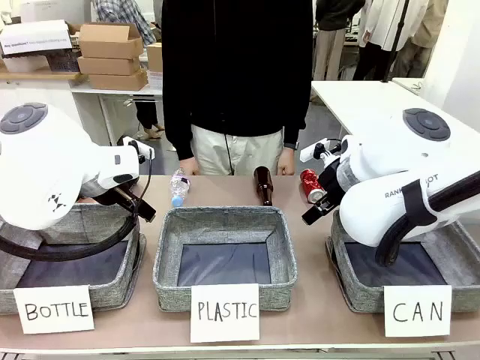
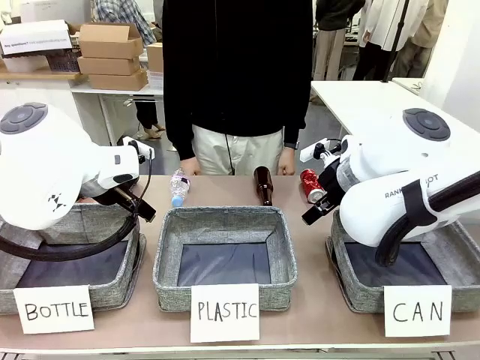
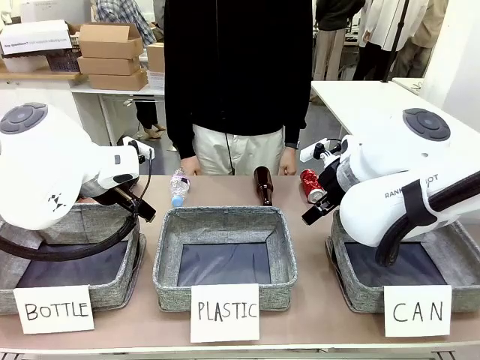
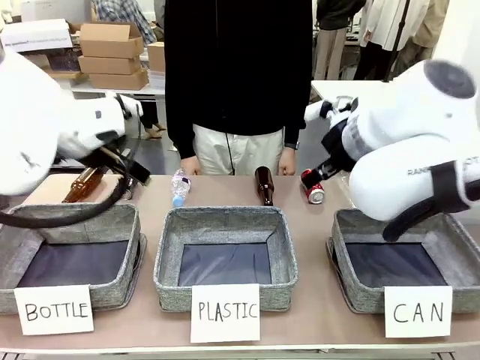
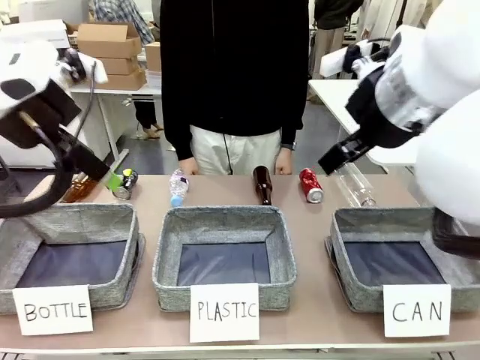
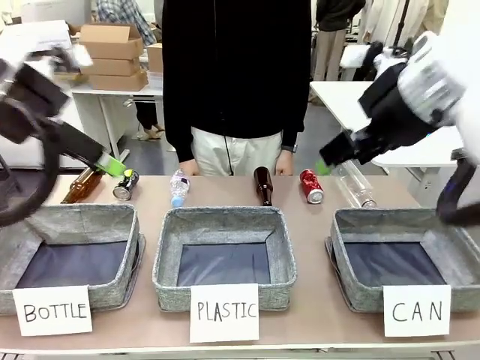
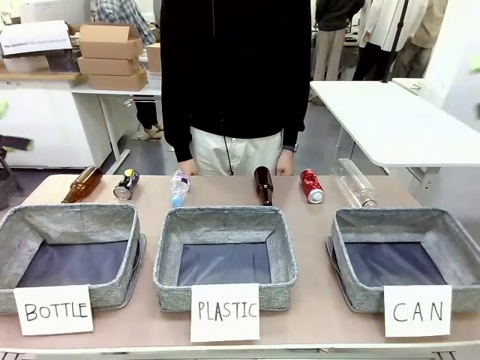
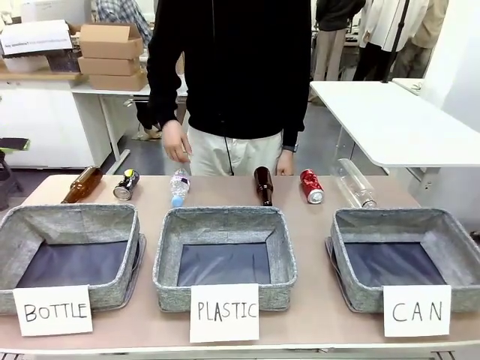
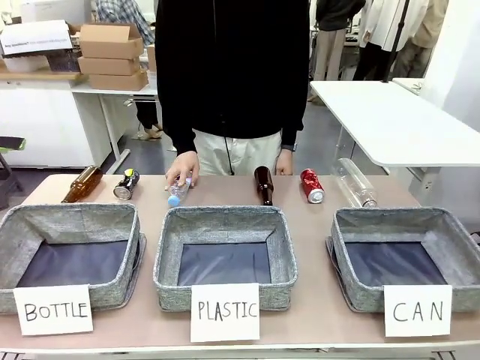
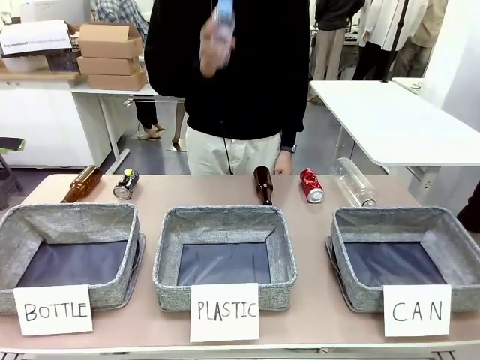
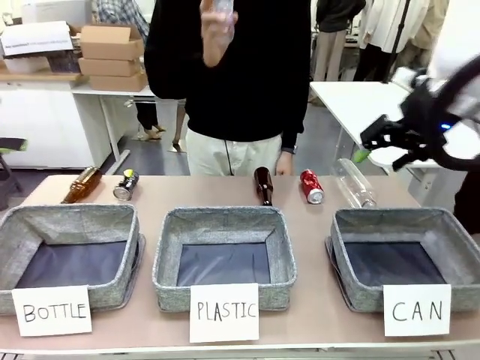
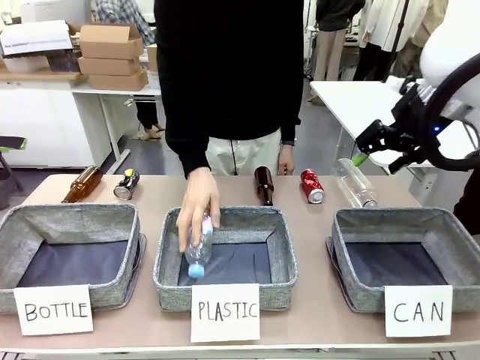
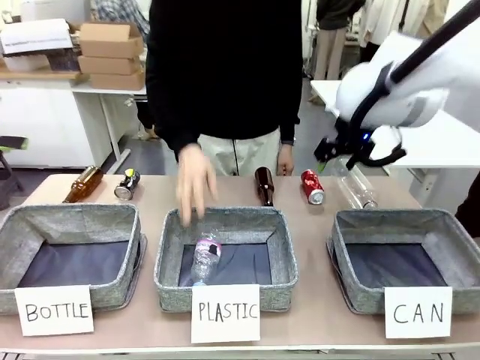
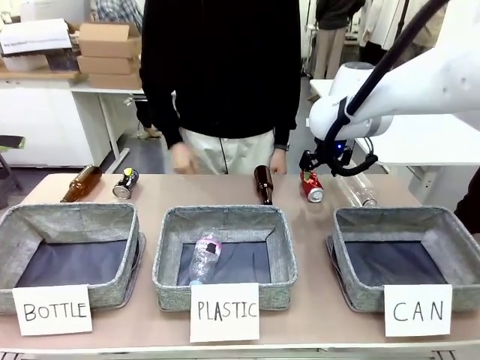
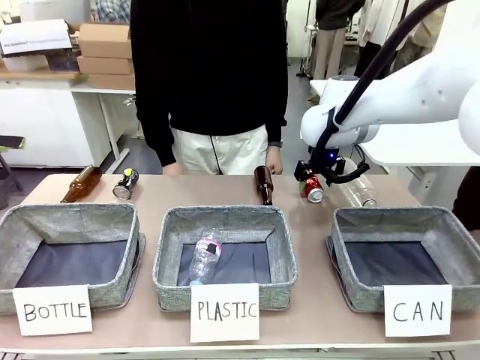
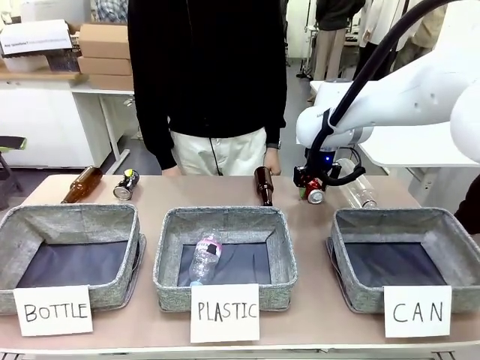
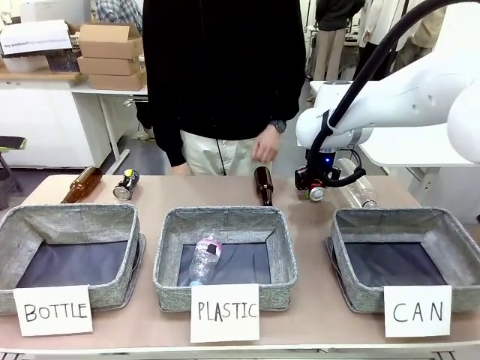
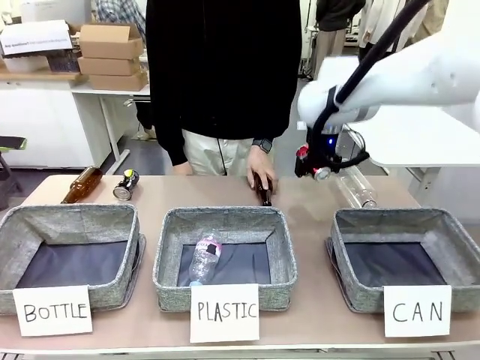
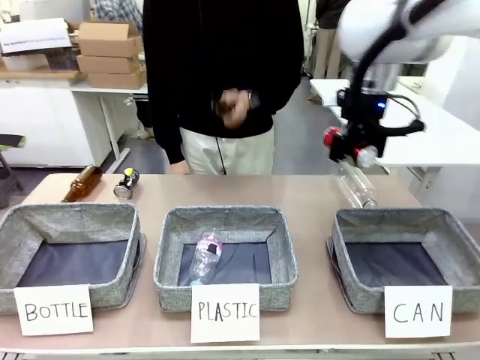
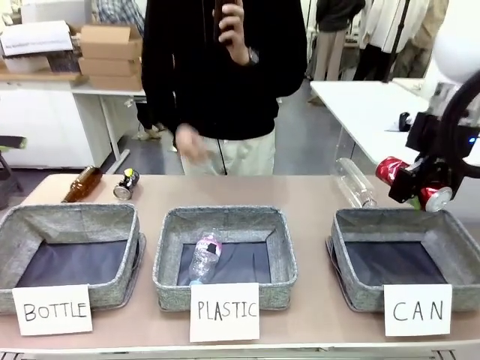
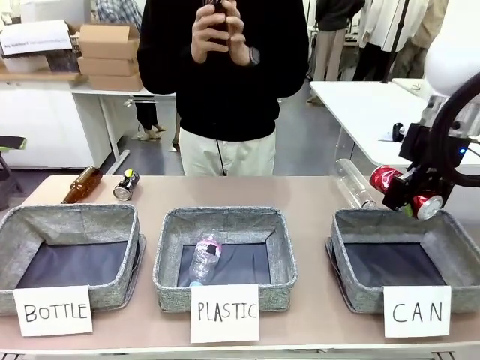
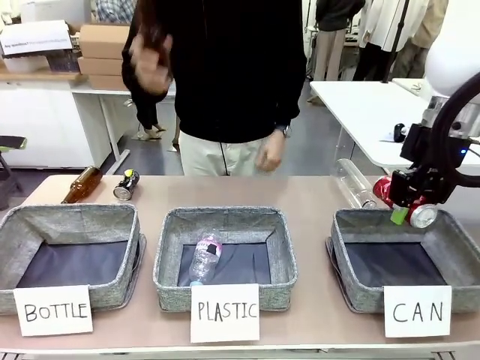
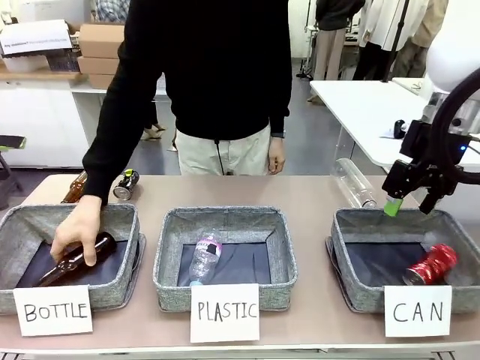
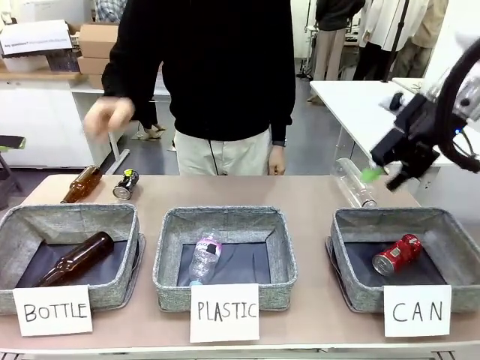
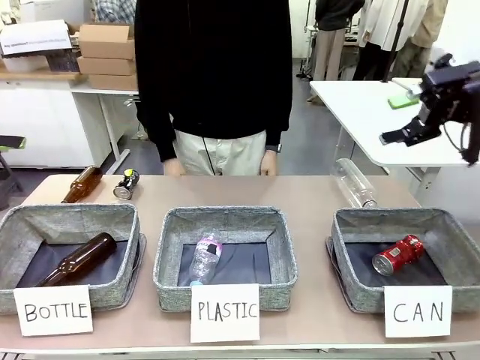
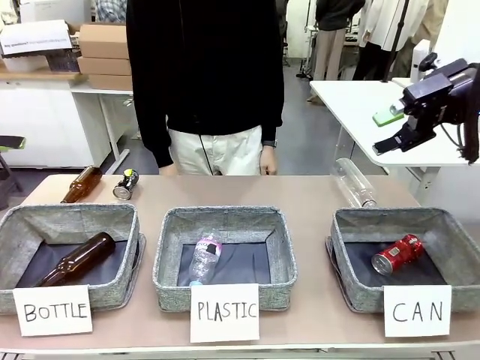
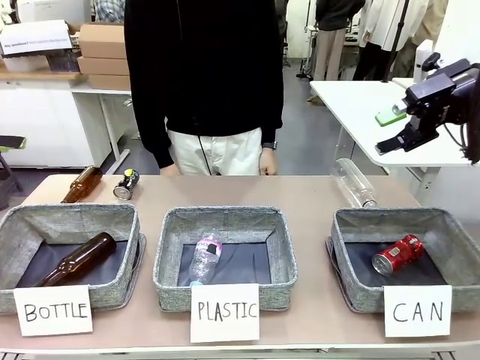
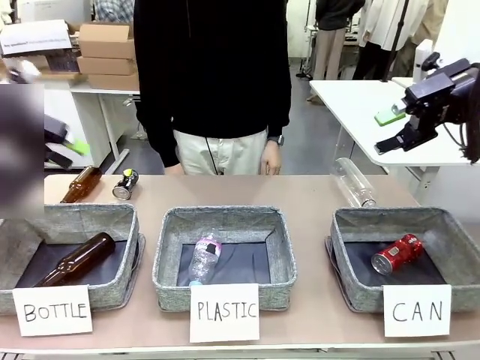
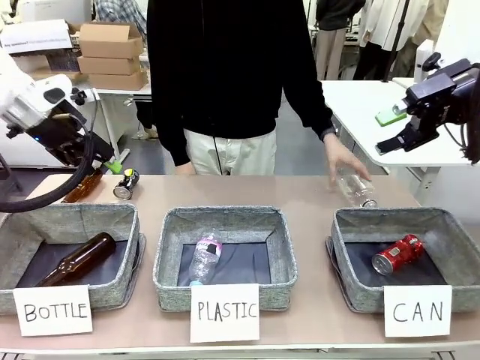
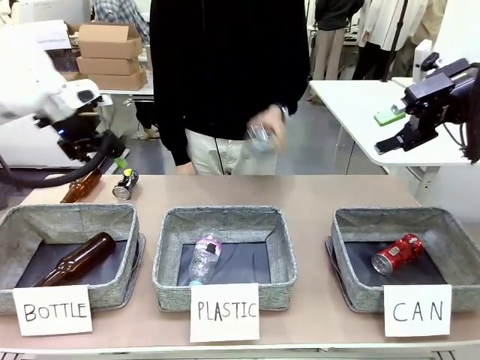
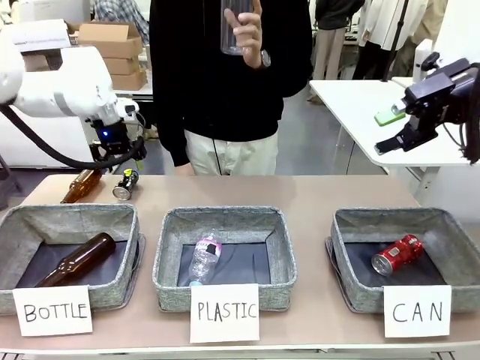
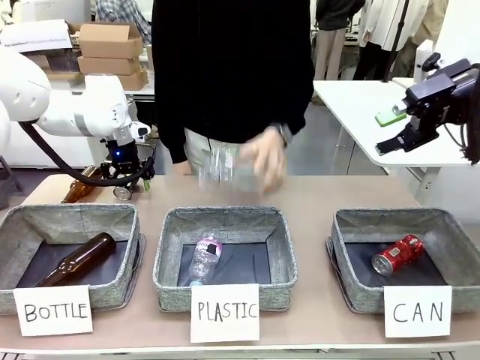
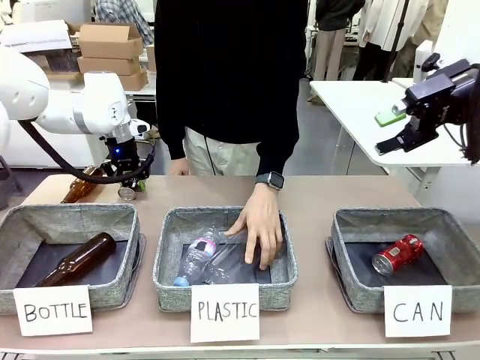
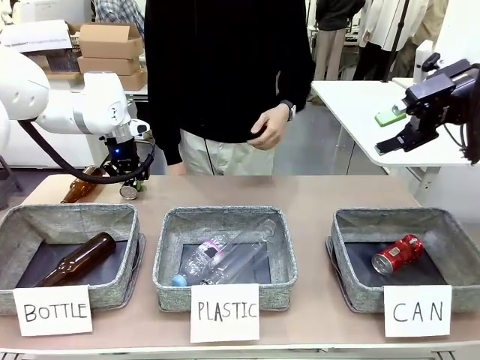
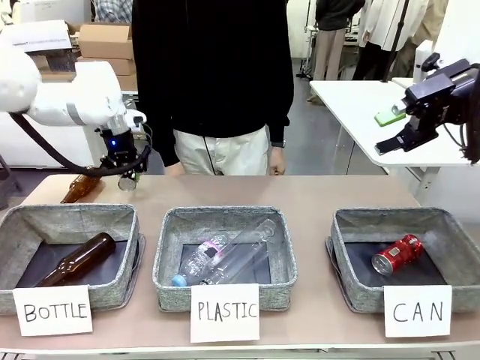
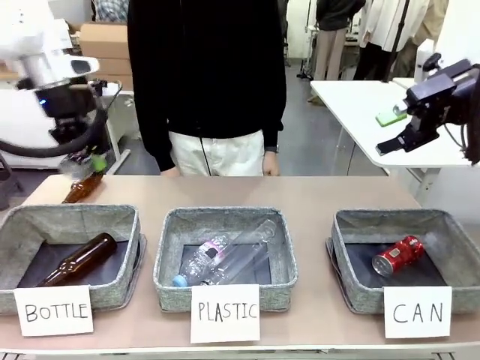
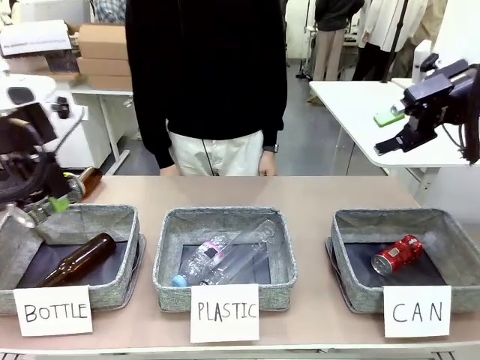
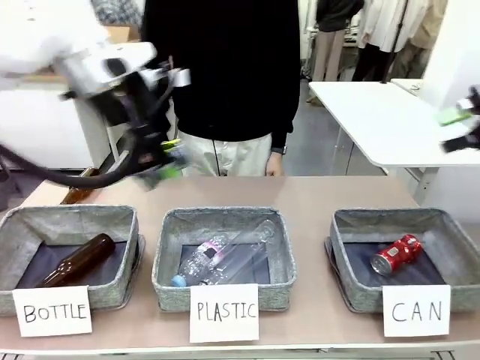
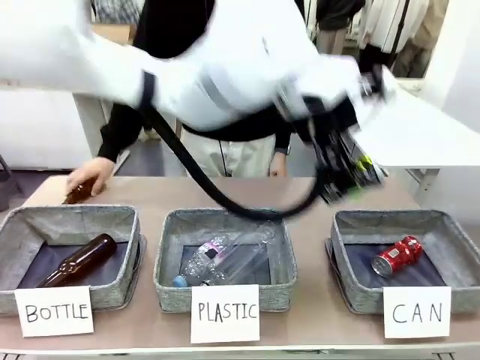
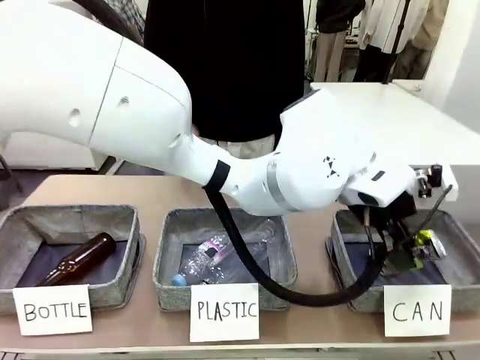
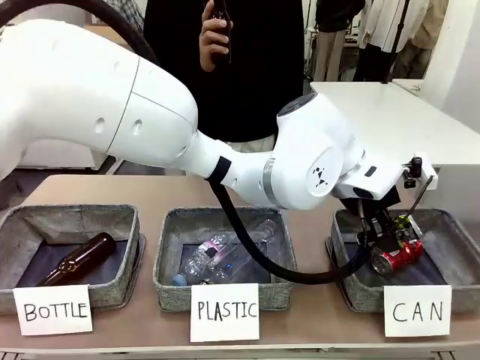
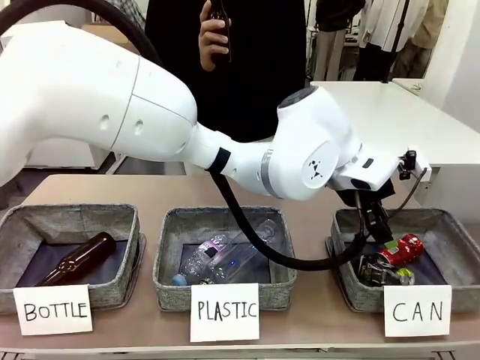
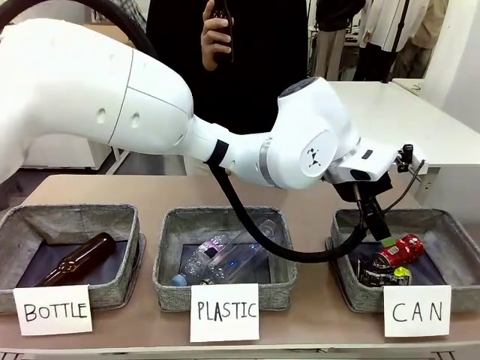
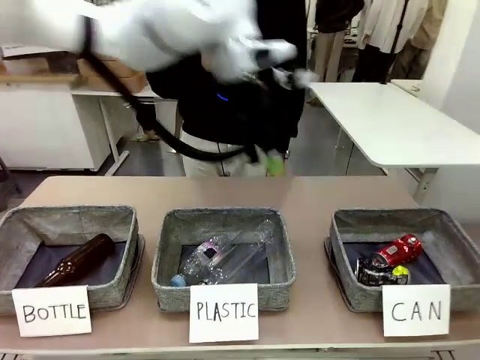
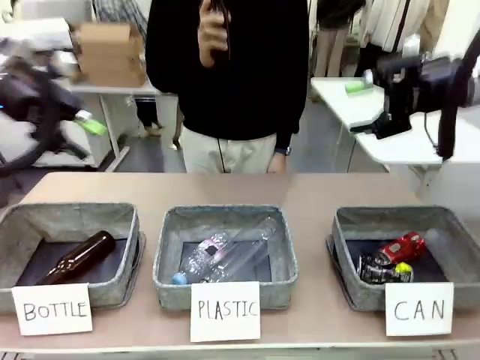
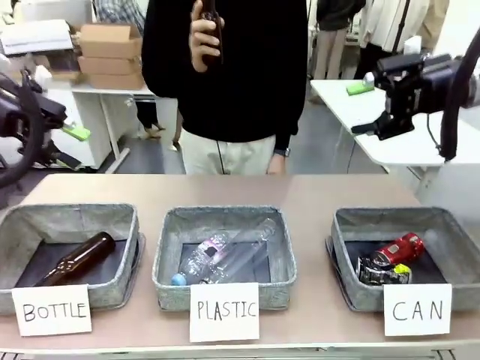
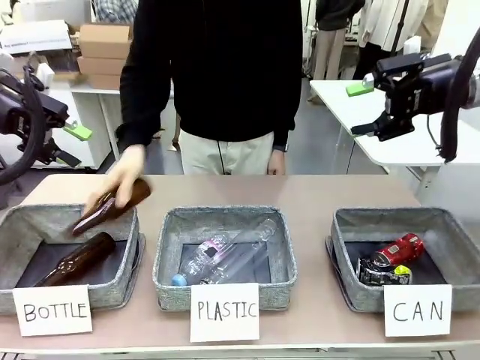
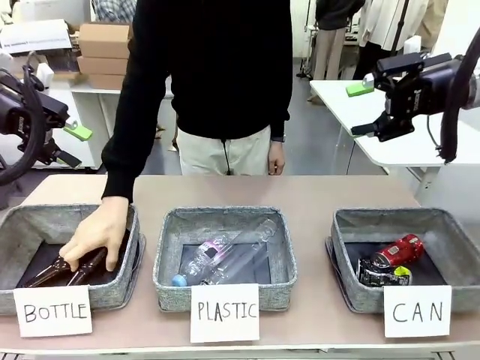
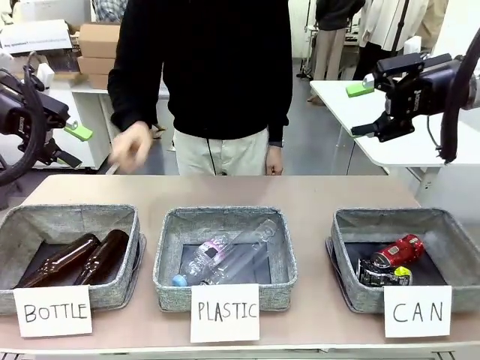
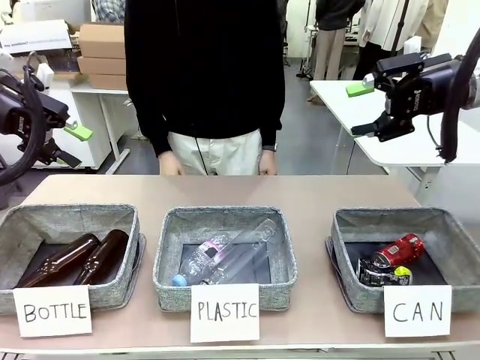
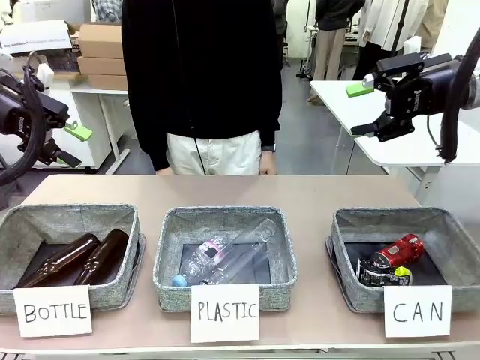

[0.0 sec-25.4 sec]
Task: Sort the can waste into the basket.
Robot: Pick up the can waste from the table and place it in the right Fabric basket.
Person: The human picks up one piece of trash that is not a can and places the trash into the appropriate organizing basket.
